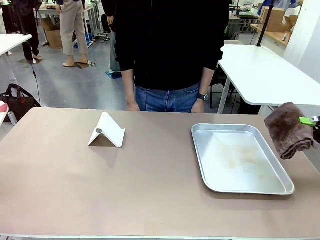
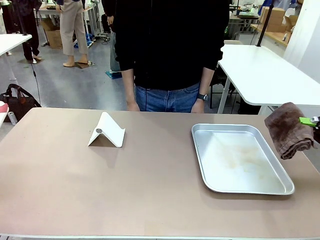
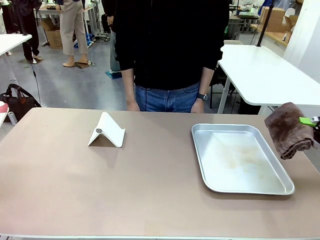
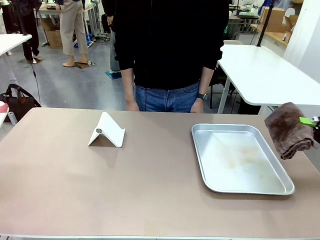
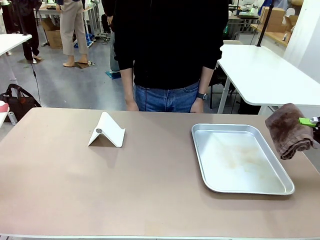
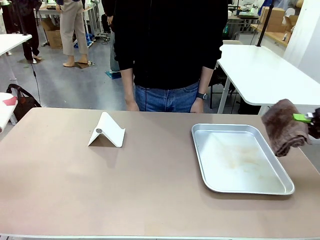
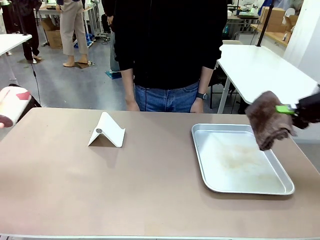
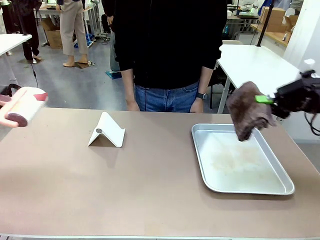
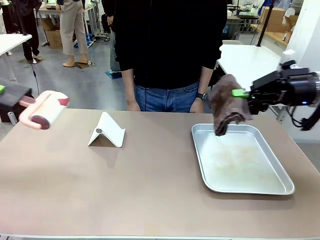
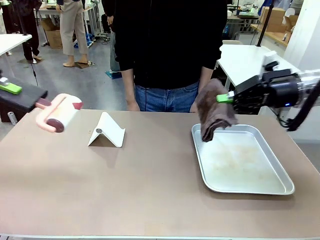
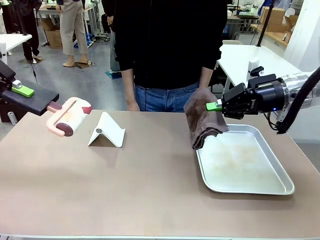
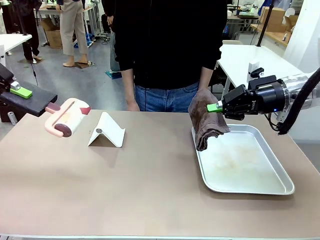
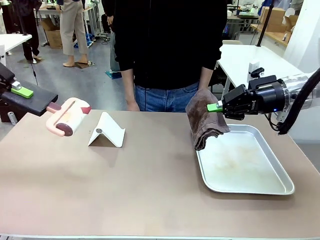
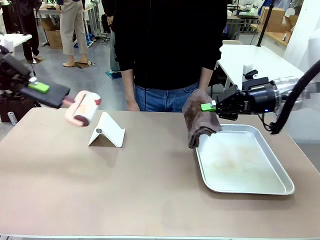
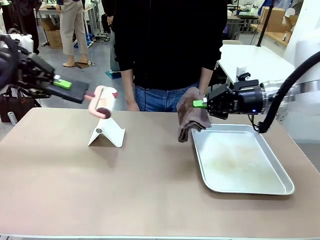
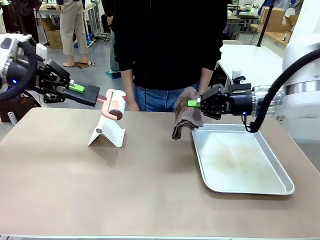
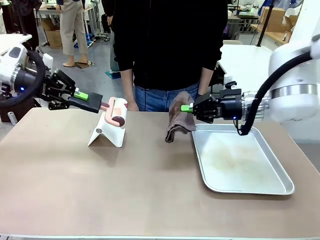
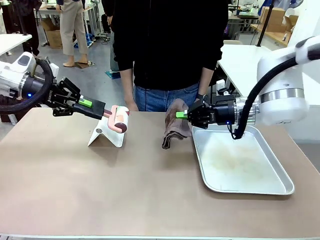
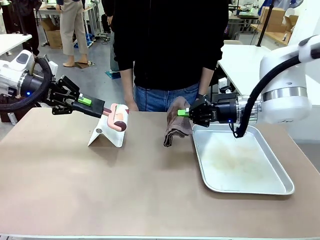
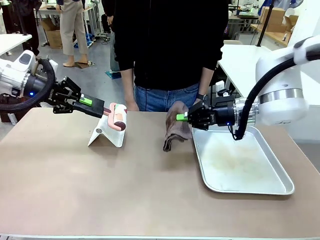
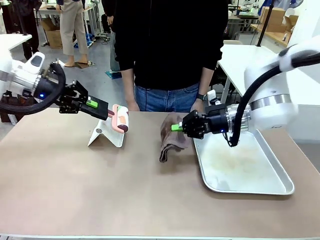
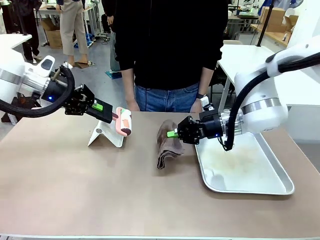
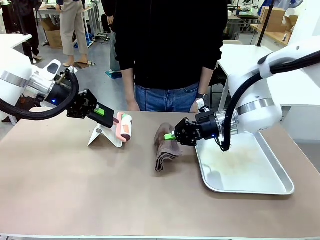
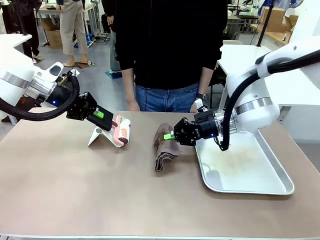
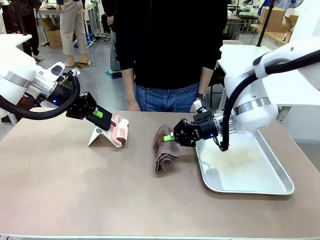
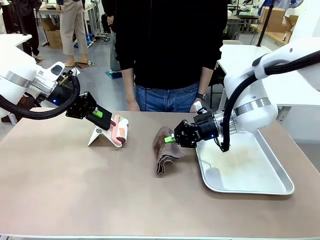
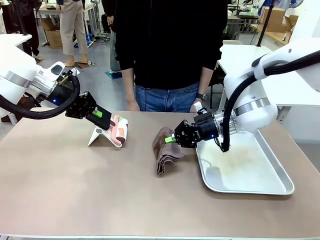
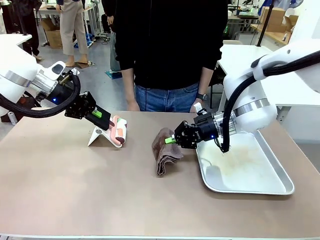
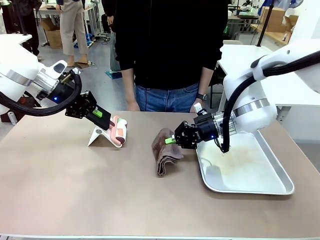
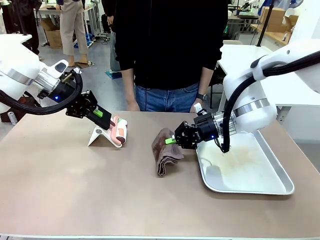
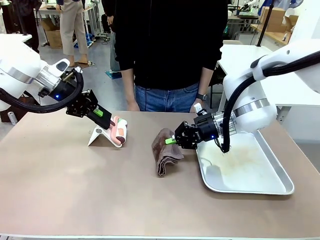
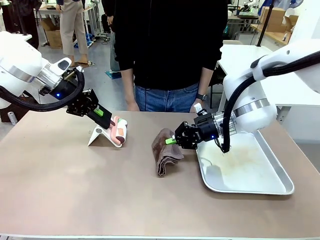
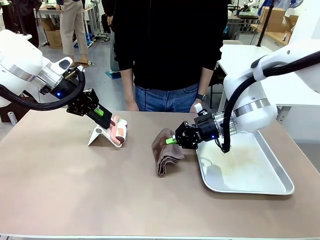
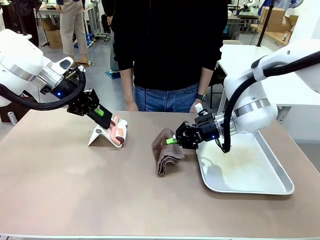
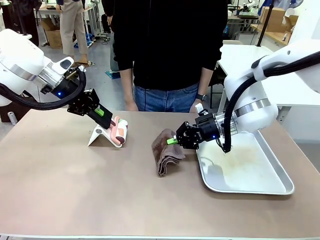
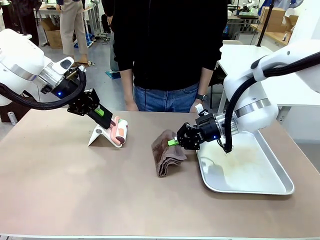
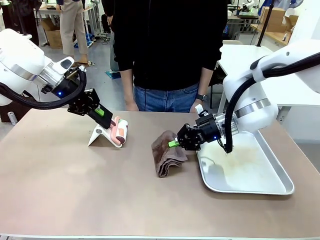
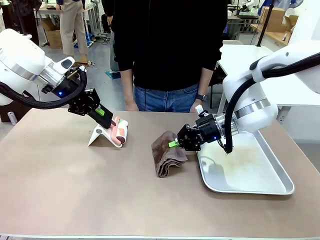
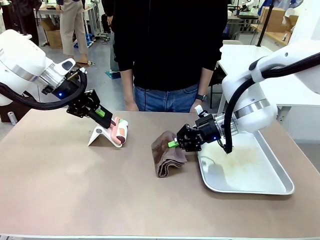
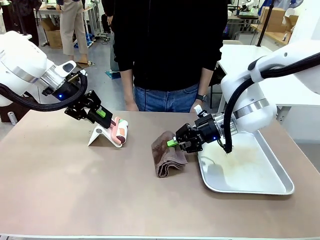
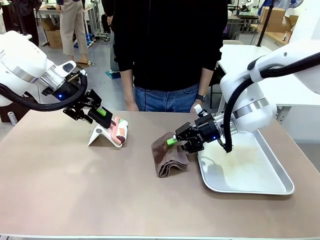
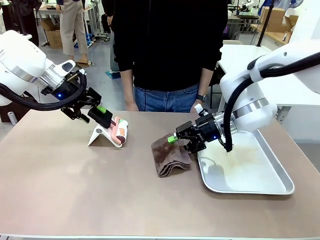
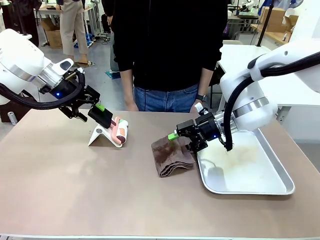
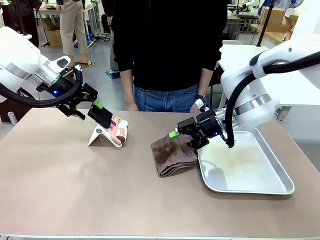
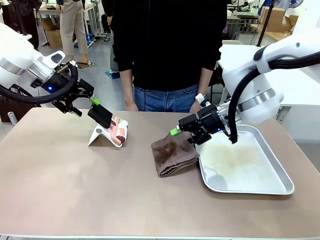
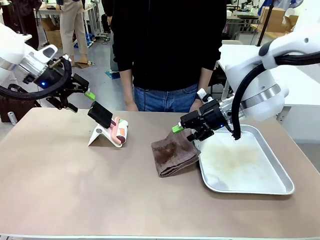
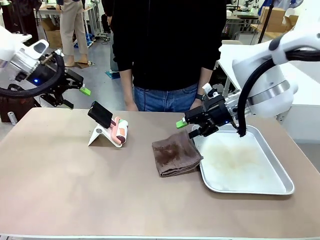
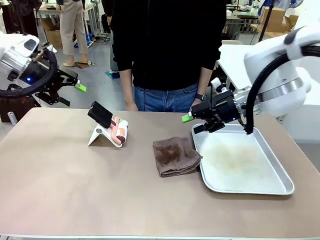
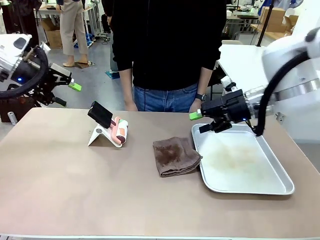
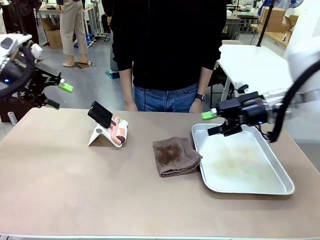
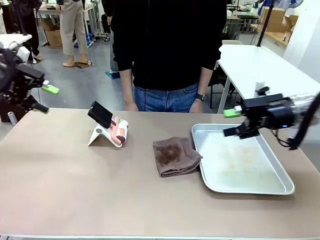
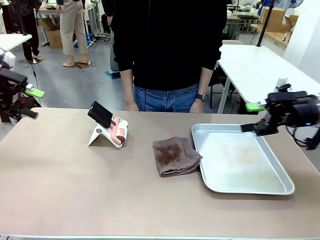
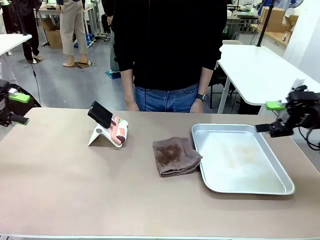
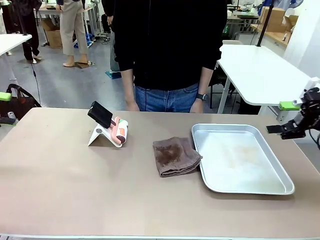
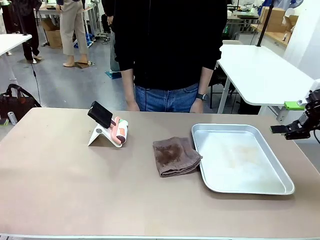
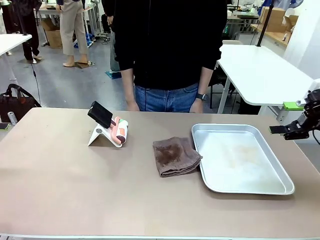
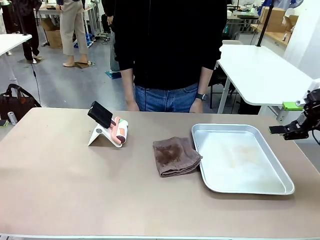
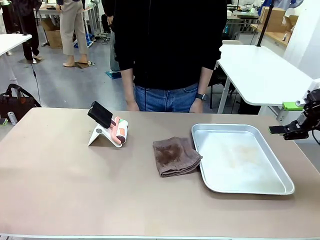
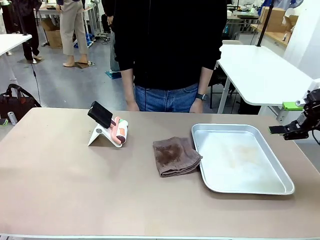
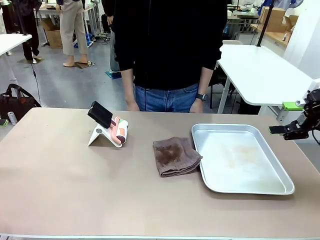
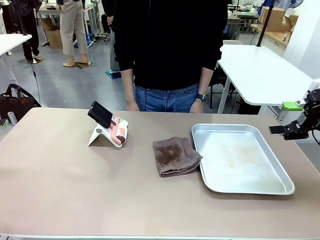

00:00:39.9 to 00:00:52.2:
Task: Clean the surface of the table.
Robot: Return the Lint Roller and towel to their original positions.

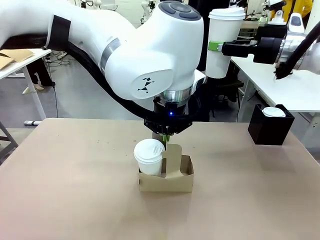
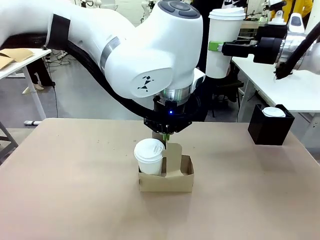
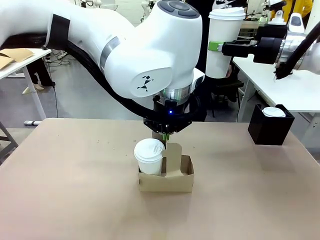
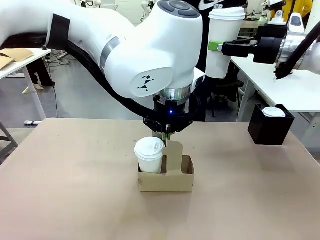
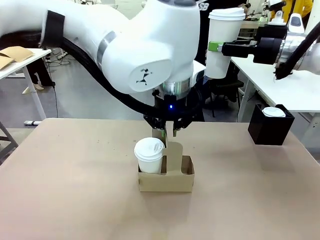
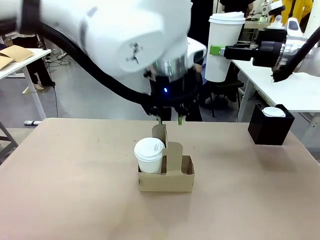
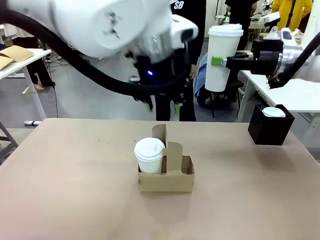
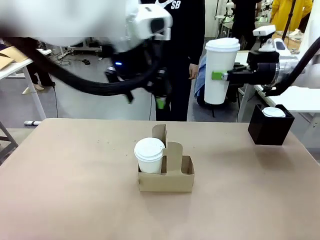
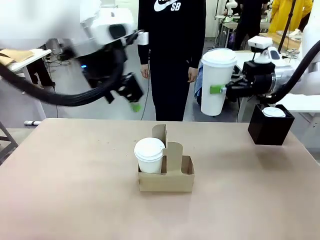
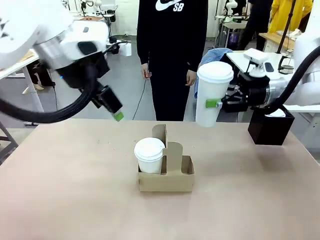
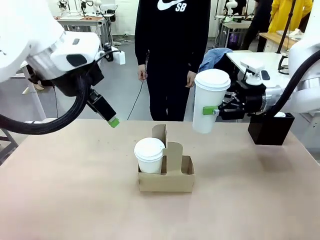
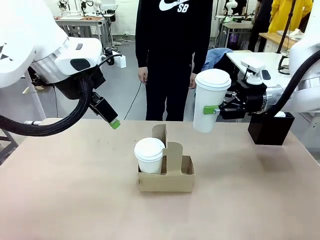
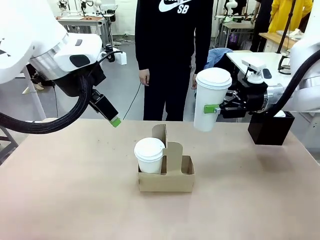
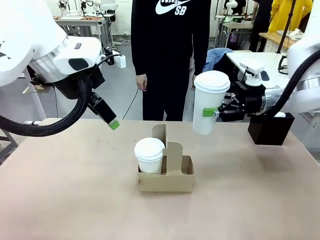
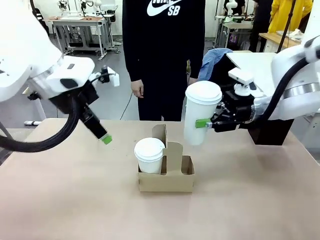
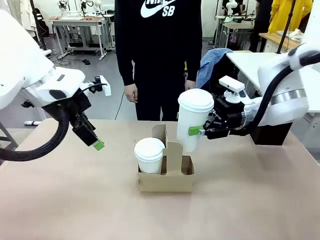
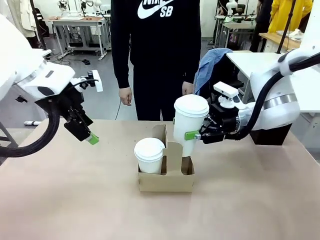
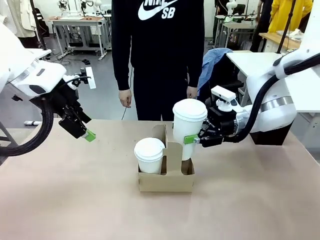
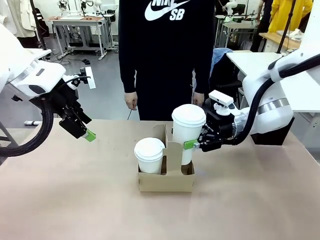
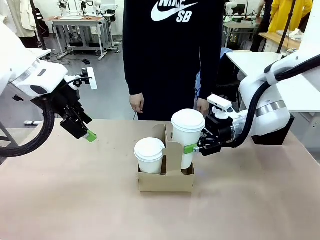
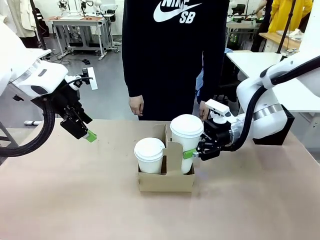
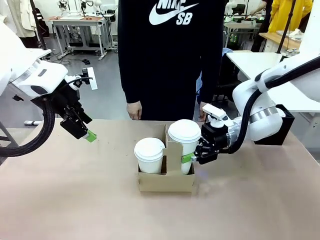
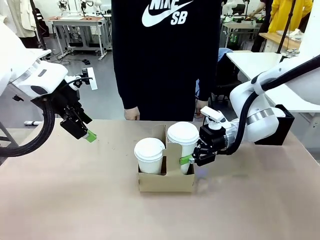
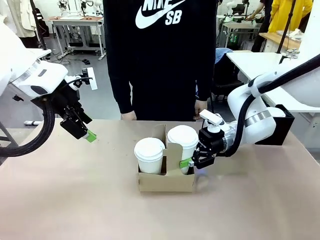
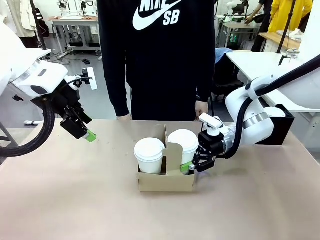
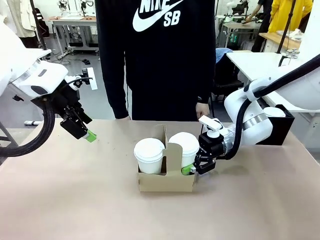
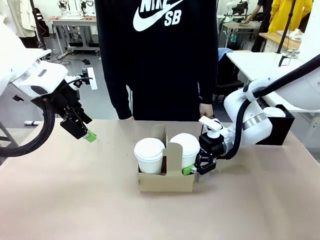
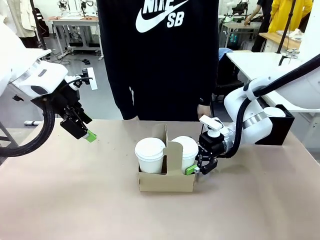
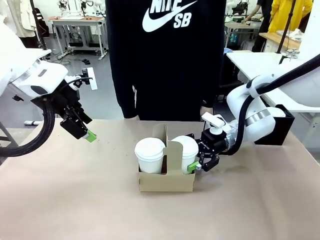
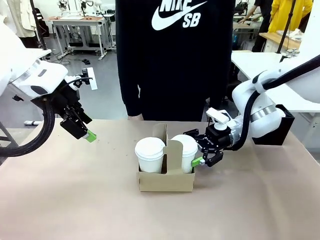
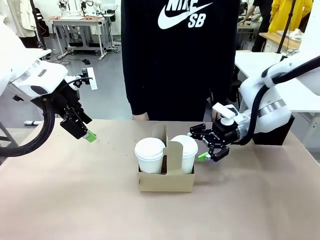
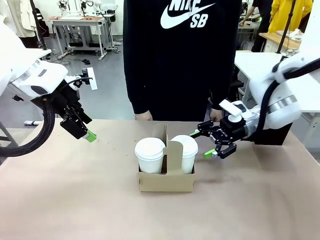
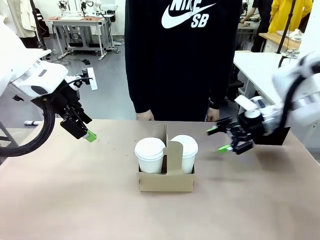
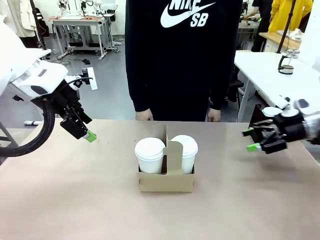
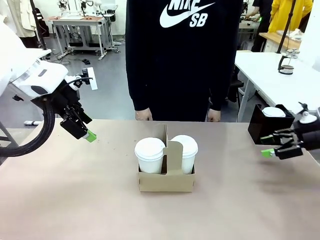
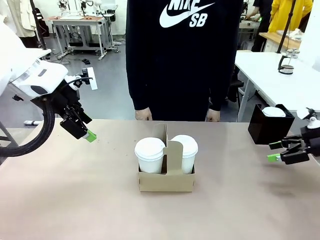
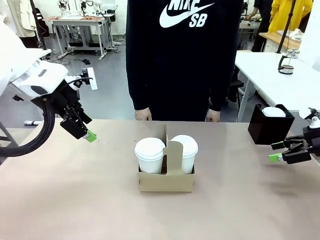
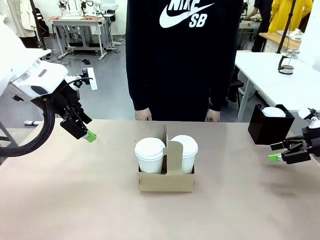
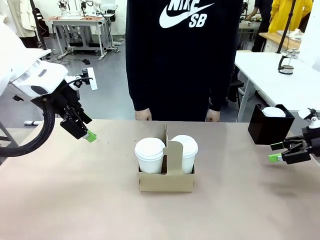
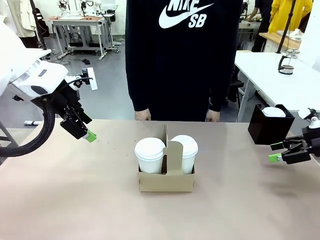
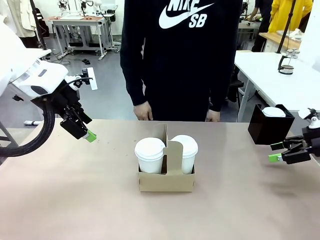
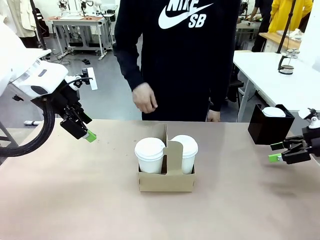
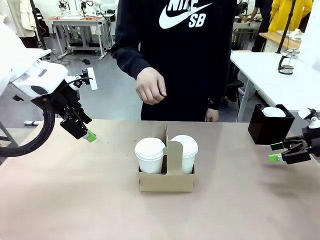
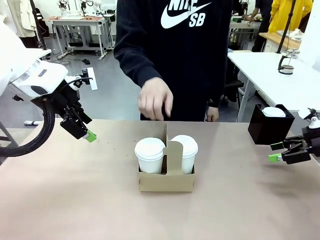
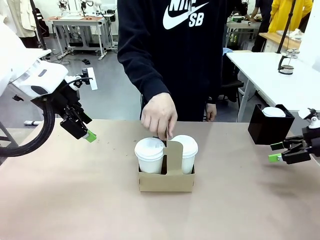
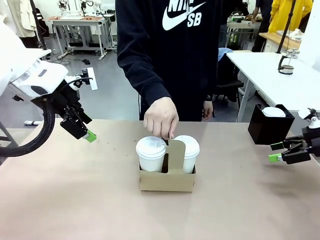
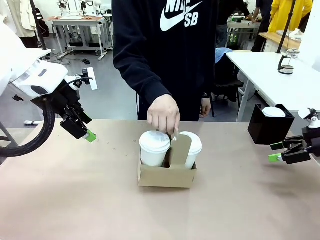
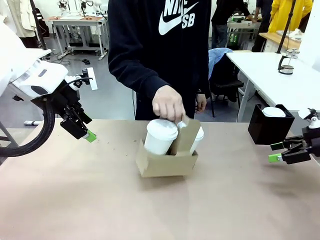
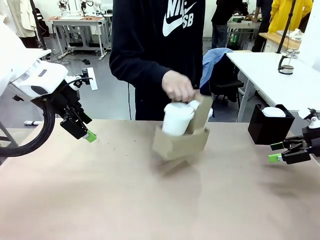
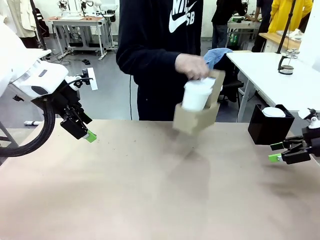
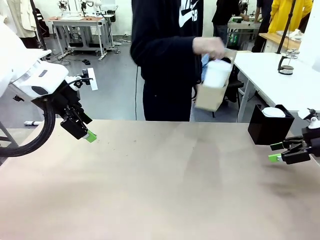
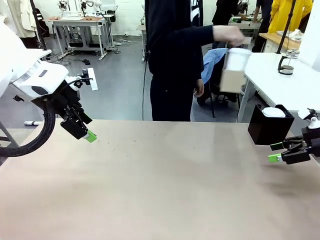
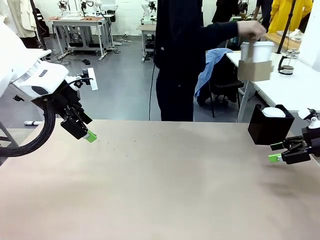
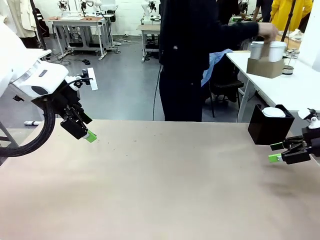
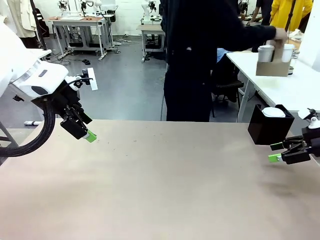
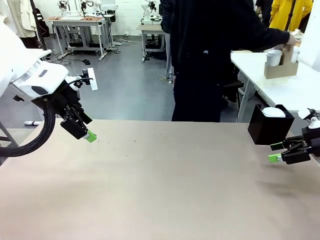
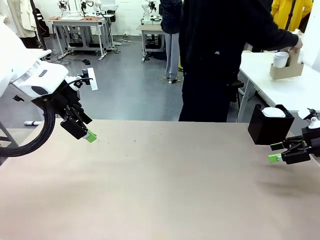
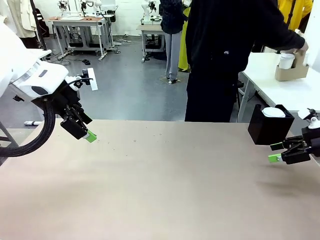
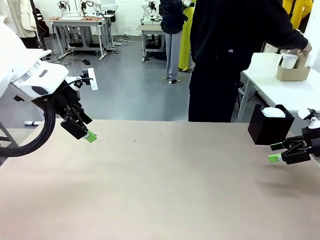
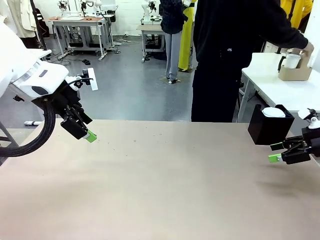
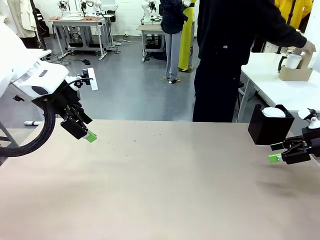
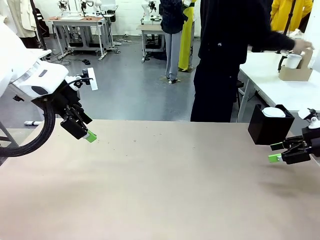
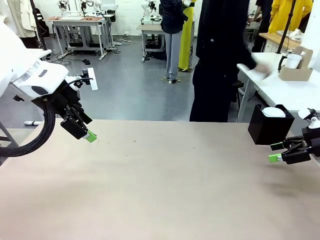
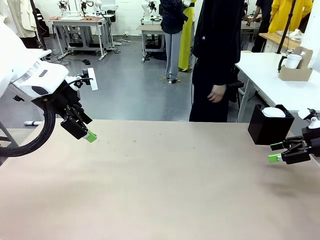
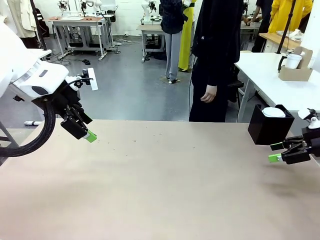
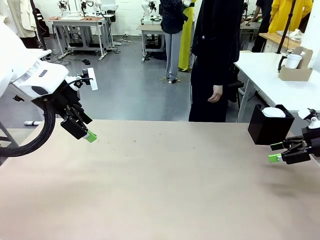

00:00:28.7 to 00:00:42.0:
Task: Pour a drink into a cup and package it in a carrier.
Robot: Insert the held 600 ml Paper Cup into the Cup Carrier.
Person: Place the Cup Carrier to the middle of Human table.
